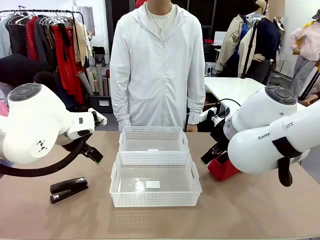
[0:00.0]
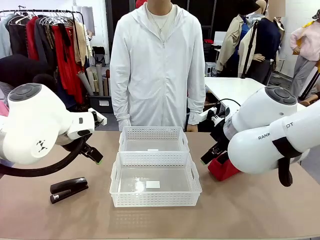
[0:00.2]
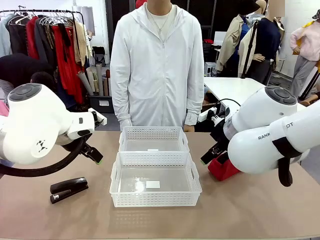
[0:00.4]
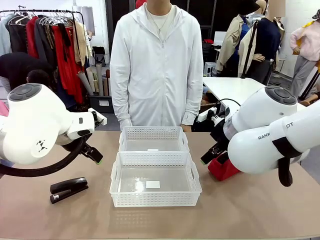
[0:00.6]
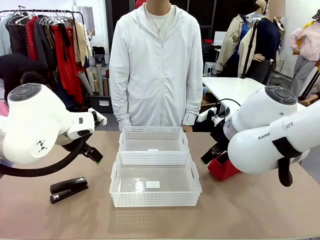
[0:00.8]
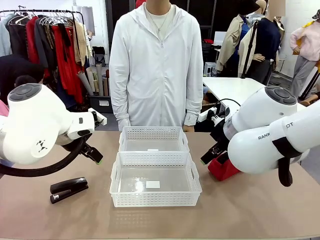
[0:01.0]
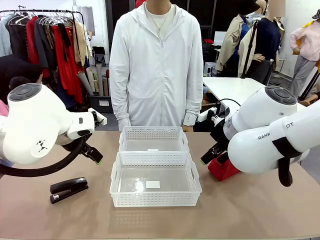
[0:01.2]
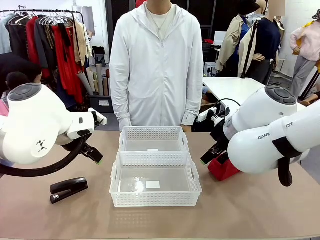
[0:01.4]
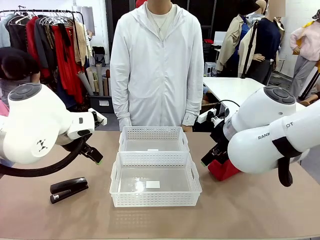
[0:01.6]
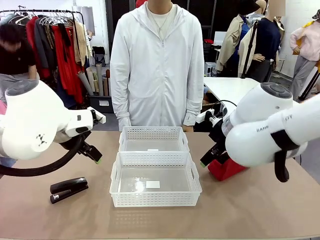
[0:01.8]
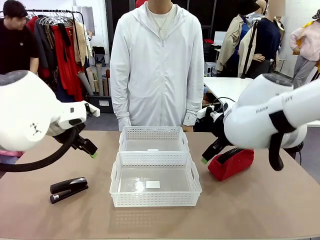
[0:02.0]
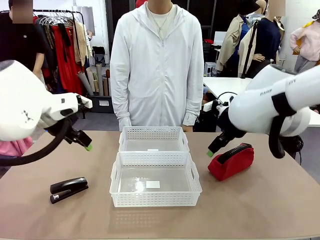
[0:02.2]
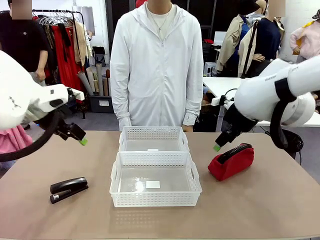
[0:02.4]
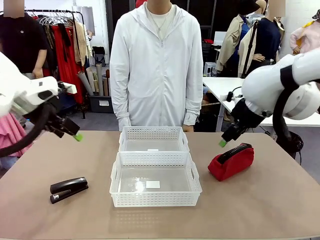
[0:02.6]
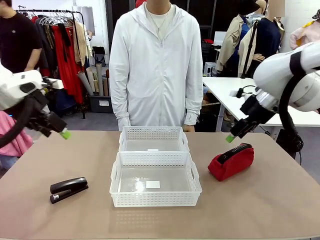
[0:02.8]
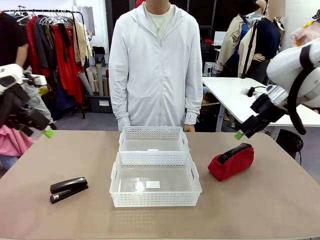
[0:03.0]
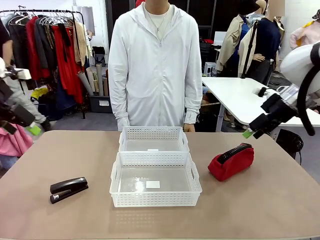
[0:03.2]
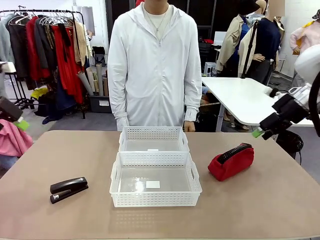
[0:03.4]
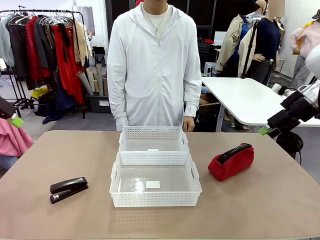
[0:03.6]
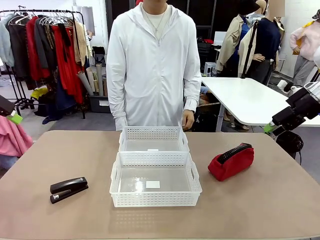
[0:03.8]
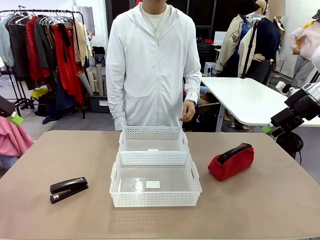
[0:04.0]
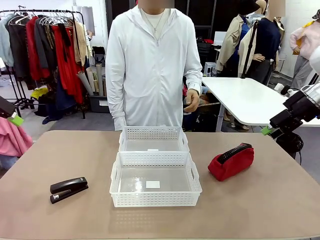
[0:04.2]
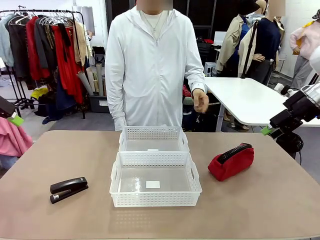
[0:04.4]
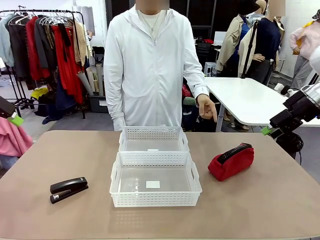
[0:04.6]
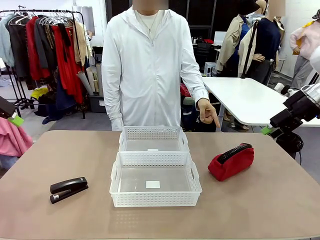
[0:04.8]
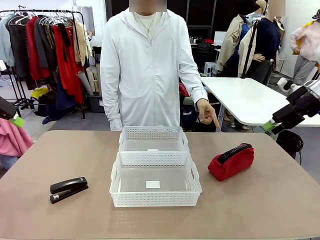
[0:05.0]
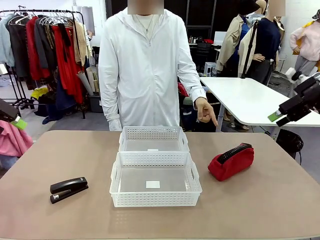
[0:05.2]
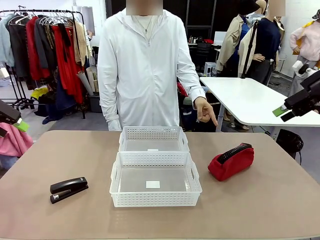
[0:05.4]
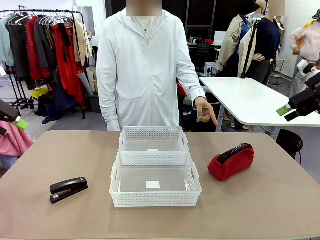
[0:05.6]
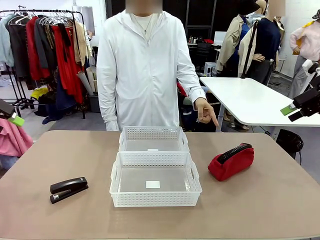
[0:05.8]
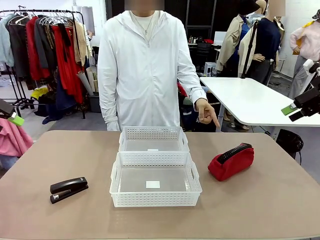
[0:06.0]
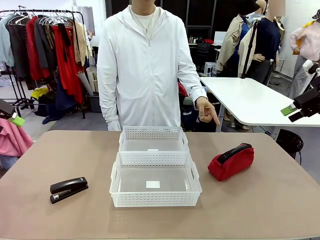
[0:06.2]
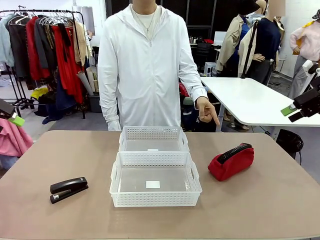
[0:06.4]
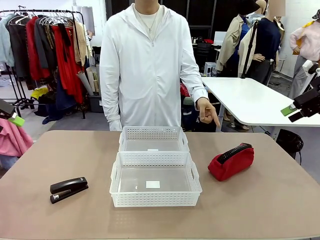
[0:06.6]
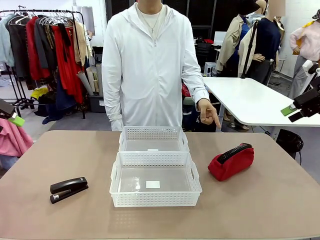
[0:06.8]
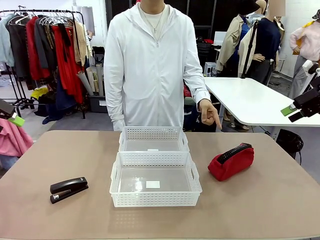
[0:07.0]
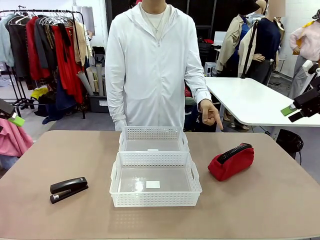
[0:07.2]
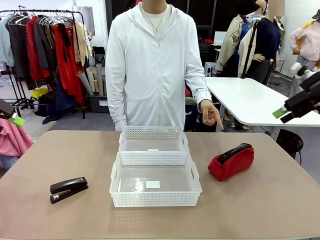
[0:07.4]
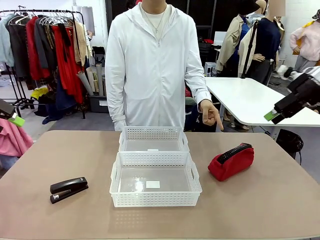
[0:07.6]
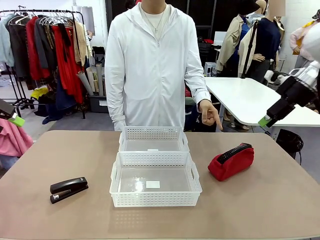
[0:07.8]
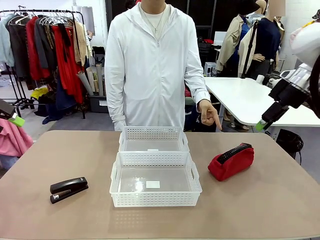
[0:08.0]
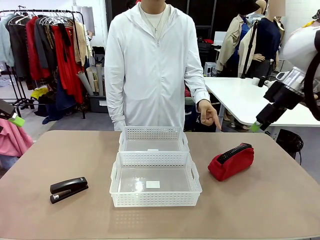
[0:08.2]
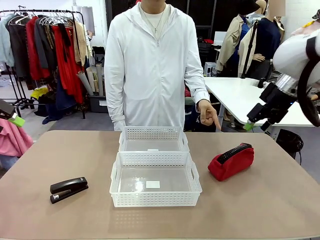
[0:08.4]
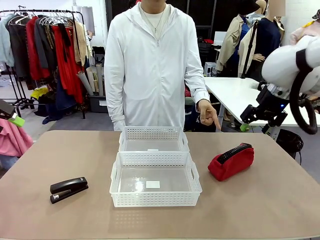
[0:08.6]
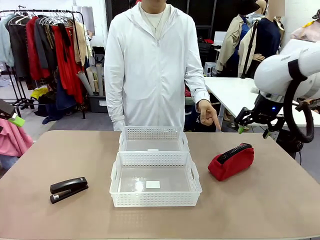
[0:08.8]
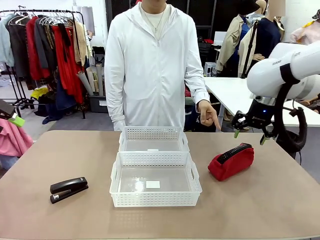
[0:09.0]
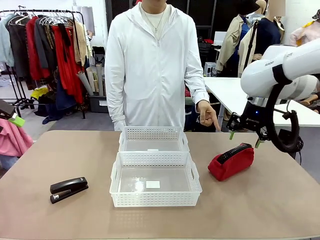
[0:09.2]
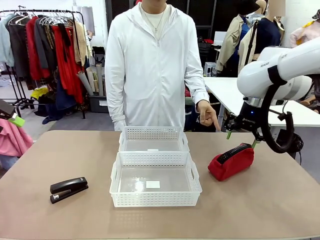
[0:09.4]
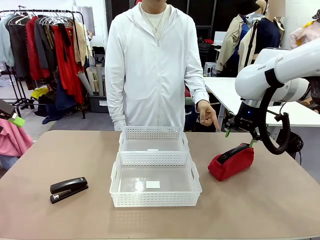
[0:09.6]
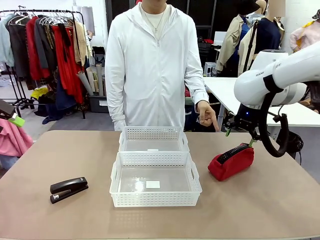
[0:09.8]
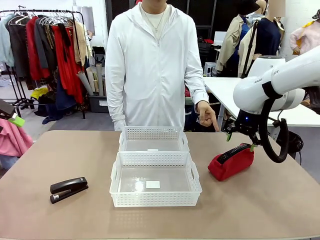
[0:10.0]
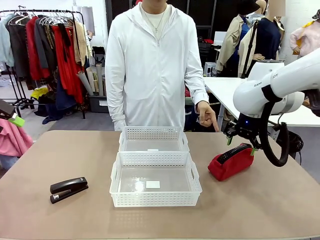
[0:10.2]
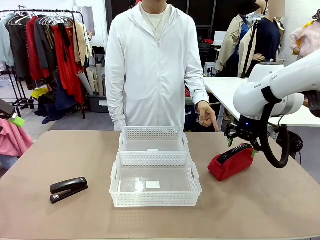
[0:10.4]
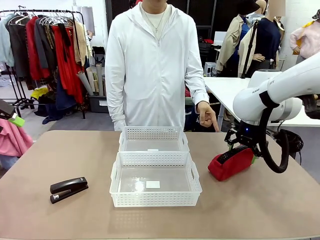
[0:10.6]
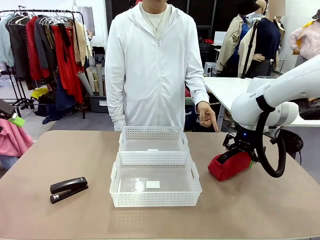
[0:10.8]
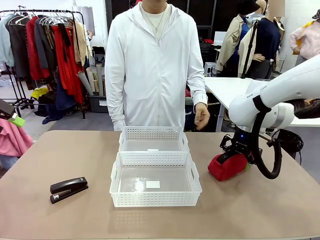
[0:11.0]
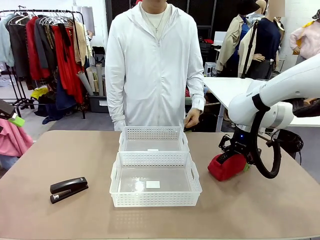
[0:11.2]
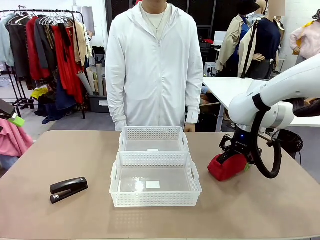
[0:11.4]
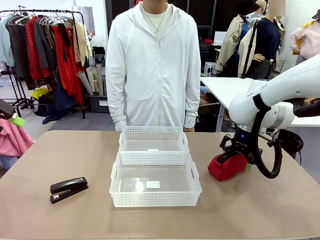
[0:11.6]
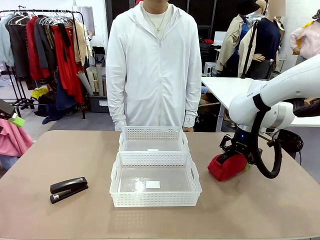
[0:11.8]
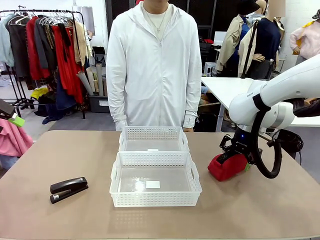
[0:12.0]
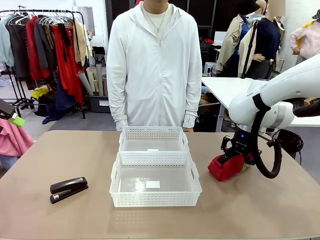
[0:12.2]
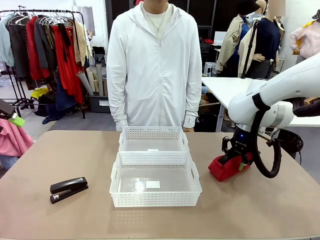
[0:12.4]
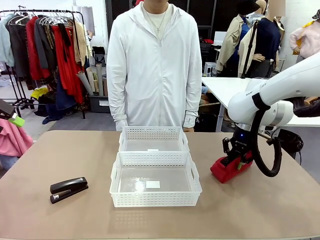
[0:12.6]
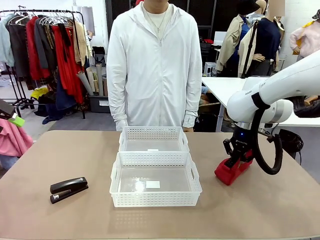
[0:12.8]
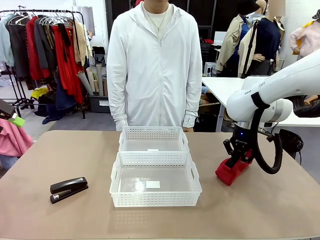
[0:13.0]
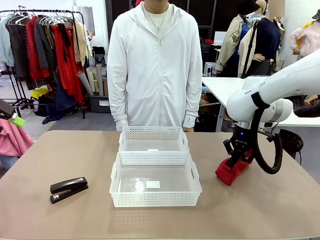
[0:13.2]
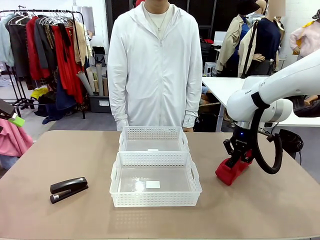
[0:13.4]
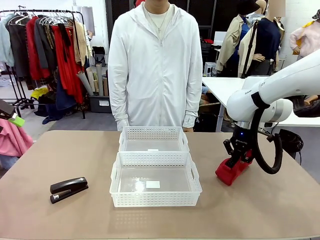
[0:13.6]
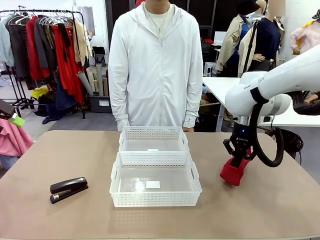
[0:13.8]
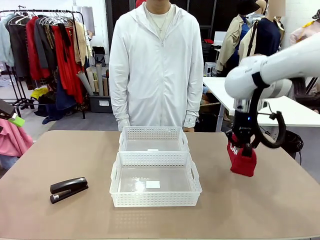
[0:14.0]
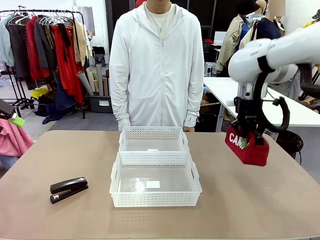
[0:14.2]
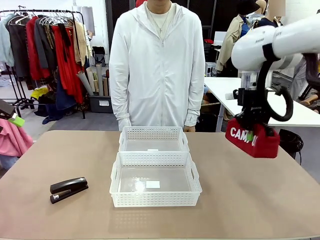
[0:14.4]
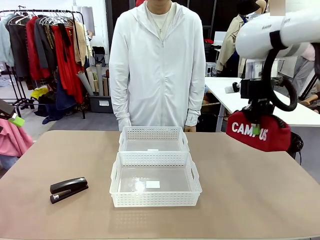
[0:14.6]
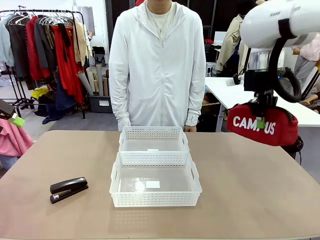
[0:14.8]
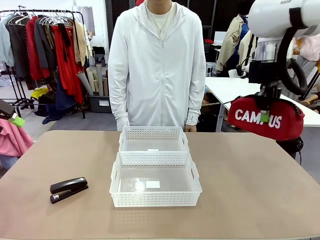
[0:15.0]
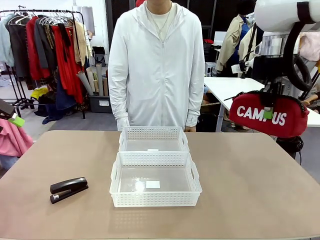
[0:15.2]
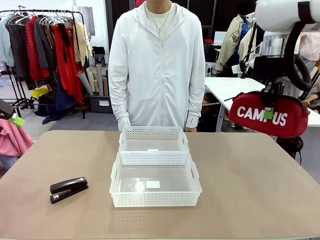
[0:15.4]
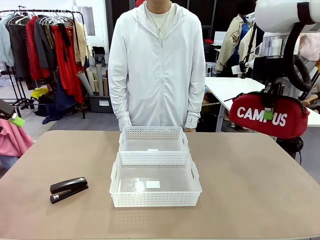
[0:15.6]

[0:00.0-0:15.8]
Task: Distribute items into two baskets.
Robot: Pick up the Pencil pouch that the person points to.
Person: Points to the pencil case. Points between the two organizing baskets and instructs the robot to move the pencil case.

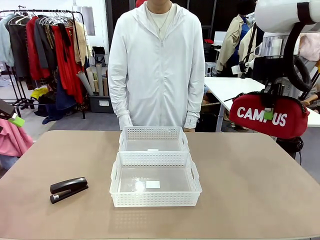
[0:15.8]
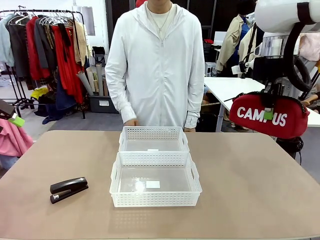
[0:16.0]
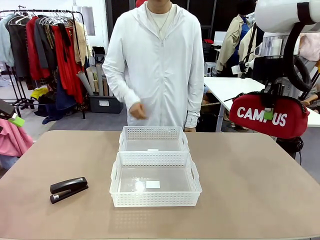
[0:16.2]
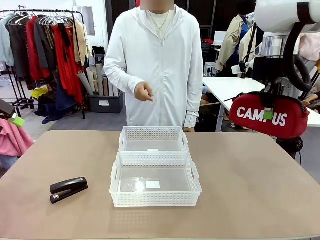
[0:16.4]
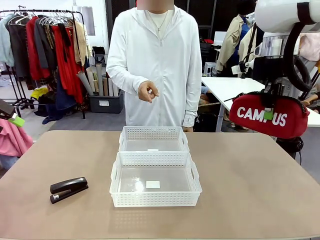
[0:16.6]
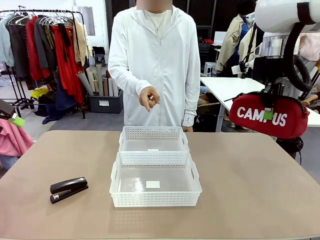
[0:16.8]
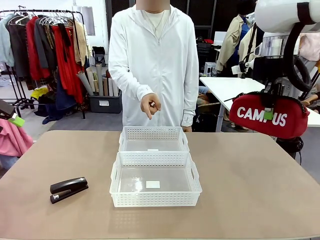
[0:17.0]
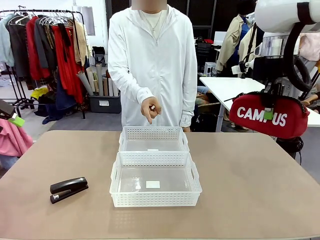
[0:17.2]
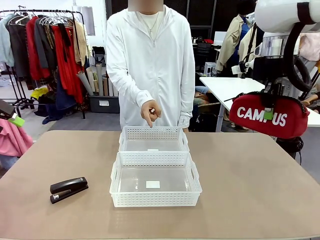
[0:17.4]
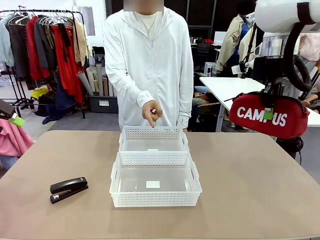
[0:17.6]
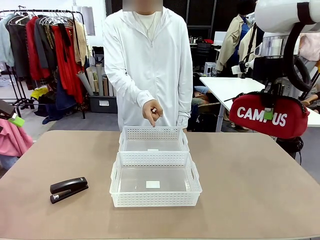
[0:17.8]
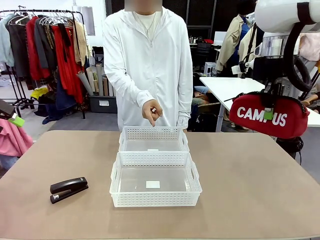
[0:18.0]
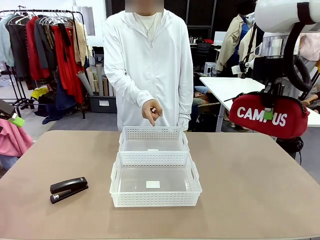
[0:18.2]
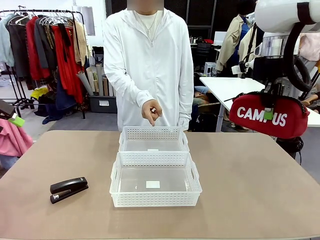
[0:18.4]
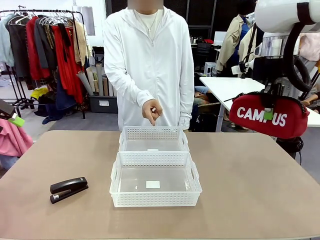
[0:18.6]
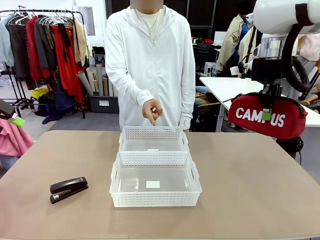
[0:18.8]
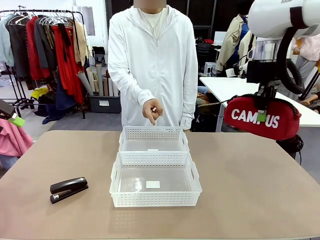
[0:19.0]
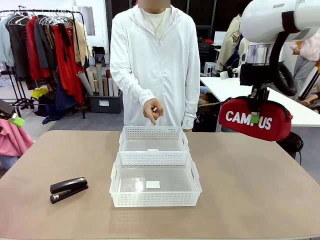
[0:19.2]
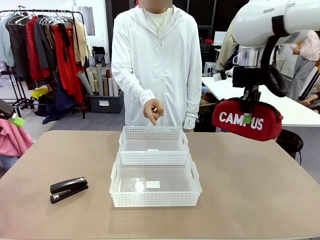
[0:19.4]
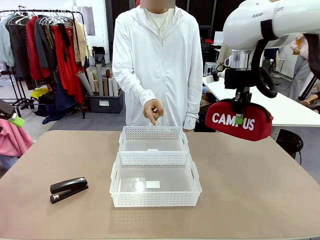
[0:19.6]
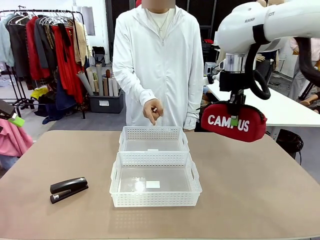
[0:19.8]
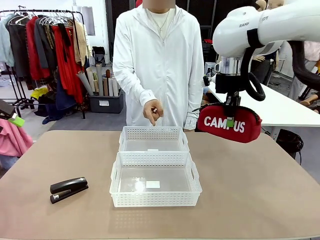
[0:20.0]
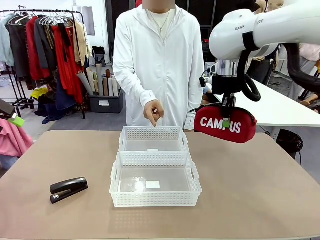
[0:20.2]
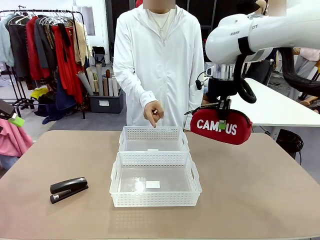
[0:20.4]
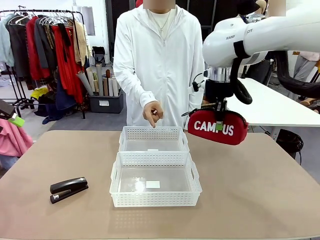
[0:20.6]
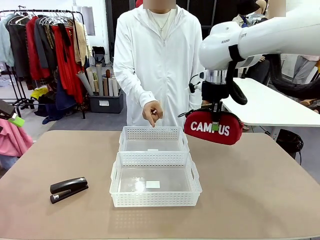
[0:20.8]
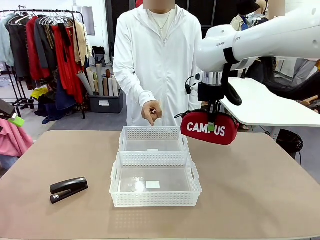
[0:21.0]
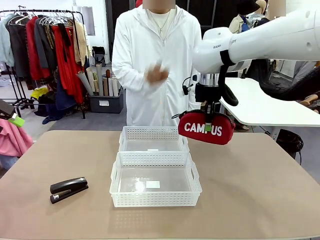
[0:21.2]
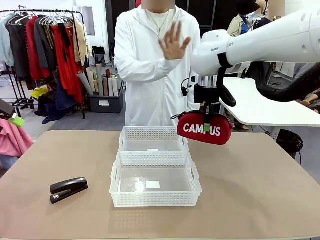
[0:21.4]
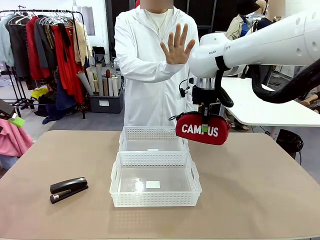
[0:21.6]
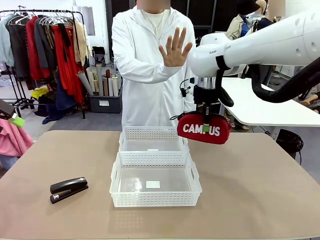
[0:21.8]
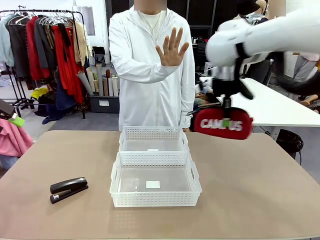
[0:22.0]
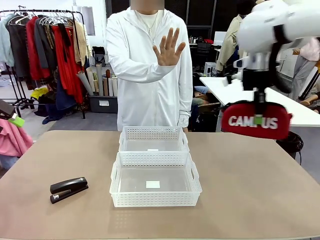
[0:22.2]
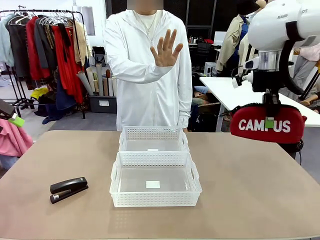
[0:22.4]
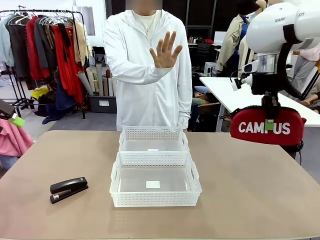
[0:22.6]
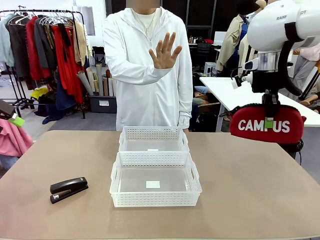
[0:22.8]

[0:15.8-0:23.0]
Robot: Move the picked Pencil pouch towards the Organizing basket indicated by the person, stopping as directed.
Person: Sends a stop gesture before the robot places the pencil case into the basket.
